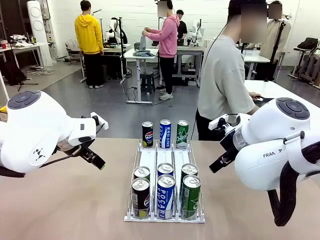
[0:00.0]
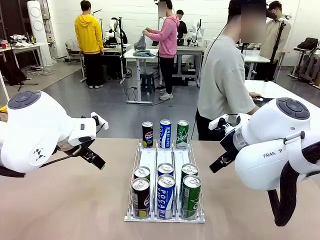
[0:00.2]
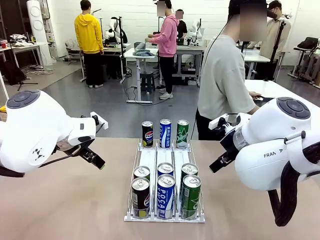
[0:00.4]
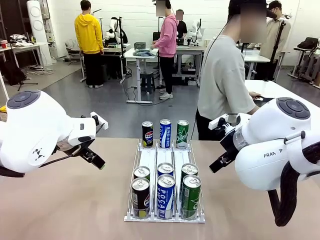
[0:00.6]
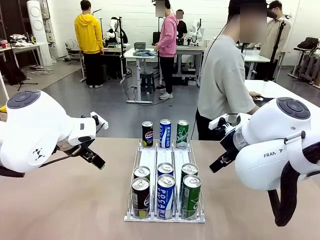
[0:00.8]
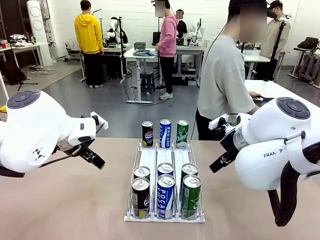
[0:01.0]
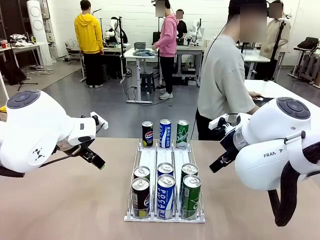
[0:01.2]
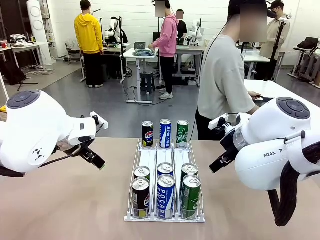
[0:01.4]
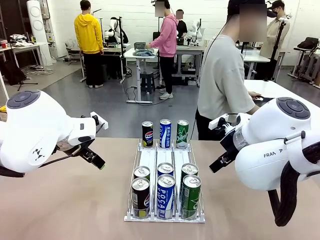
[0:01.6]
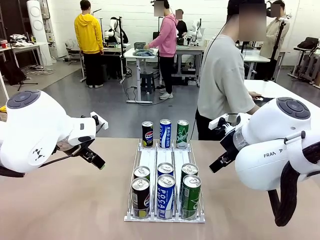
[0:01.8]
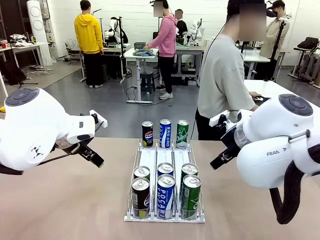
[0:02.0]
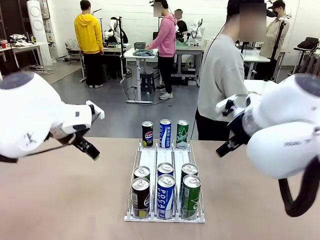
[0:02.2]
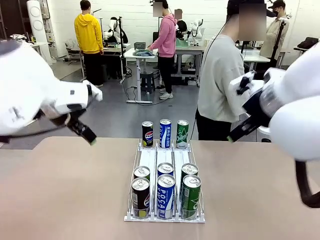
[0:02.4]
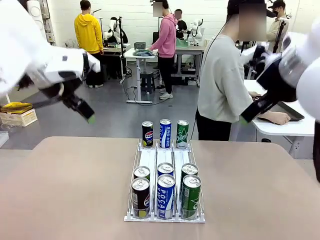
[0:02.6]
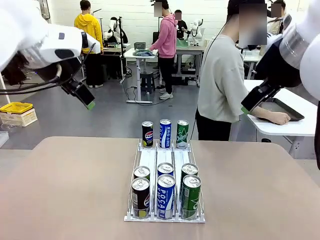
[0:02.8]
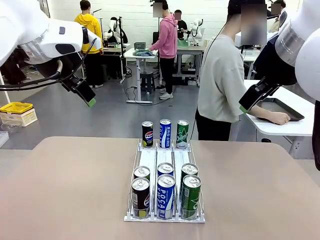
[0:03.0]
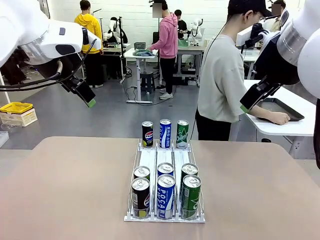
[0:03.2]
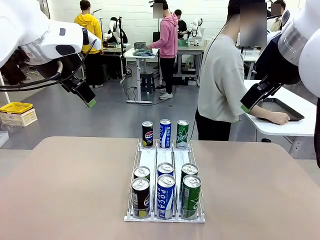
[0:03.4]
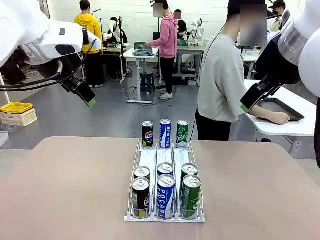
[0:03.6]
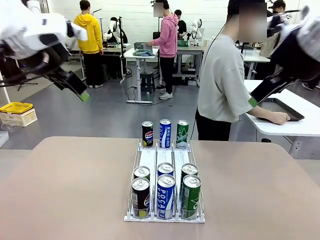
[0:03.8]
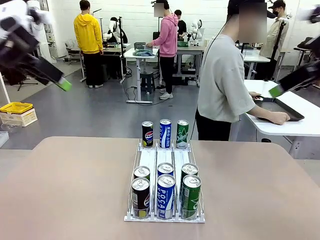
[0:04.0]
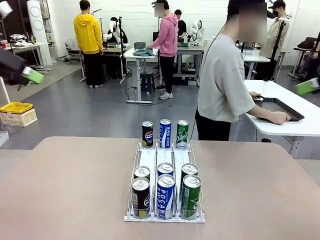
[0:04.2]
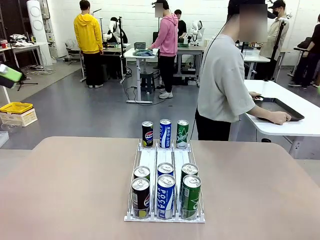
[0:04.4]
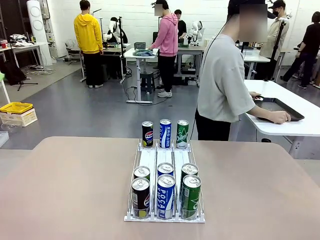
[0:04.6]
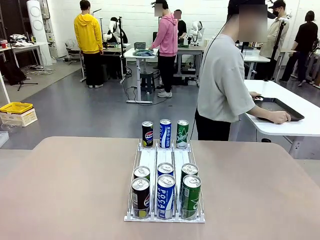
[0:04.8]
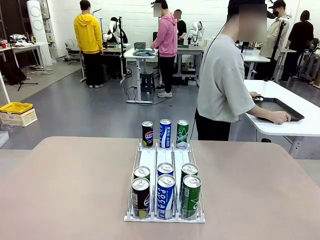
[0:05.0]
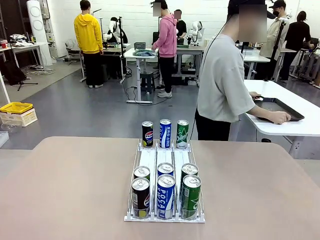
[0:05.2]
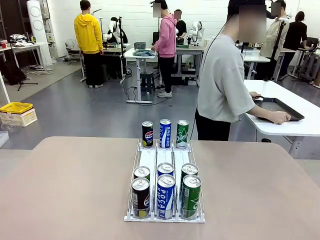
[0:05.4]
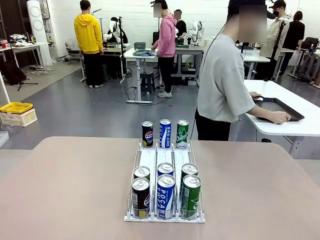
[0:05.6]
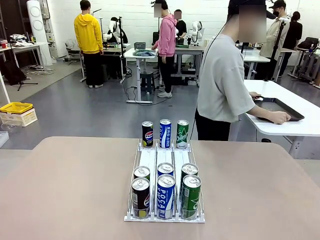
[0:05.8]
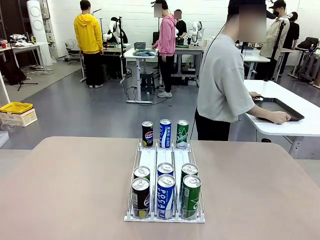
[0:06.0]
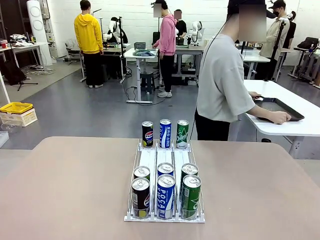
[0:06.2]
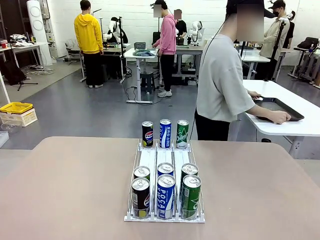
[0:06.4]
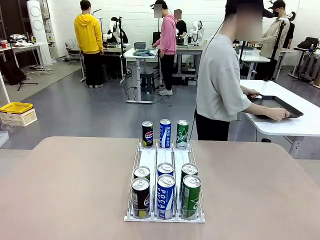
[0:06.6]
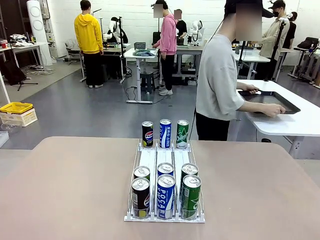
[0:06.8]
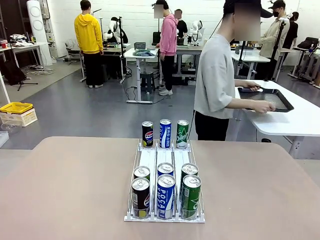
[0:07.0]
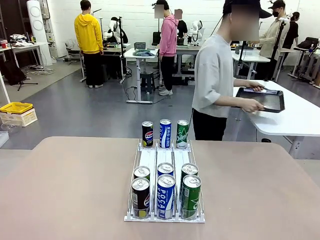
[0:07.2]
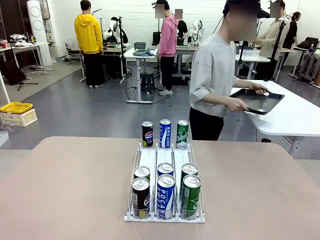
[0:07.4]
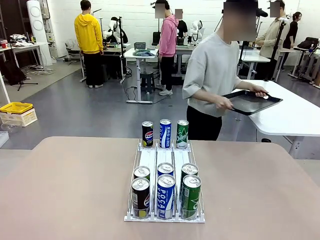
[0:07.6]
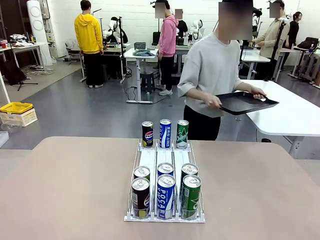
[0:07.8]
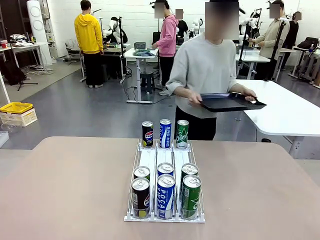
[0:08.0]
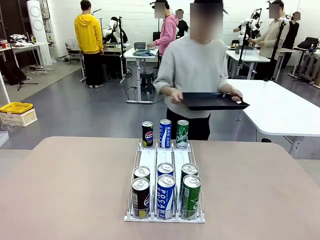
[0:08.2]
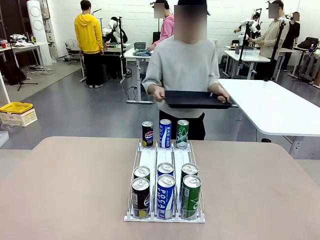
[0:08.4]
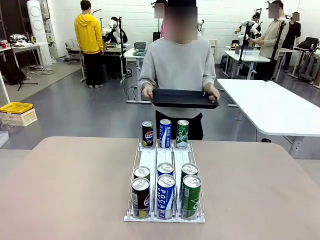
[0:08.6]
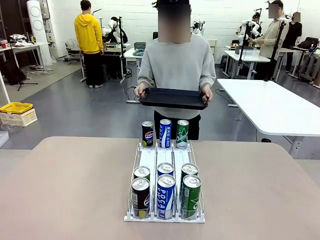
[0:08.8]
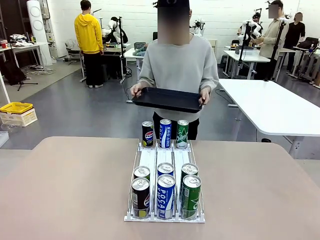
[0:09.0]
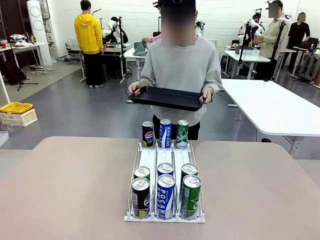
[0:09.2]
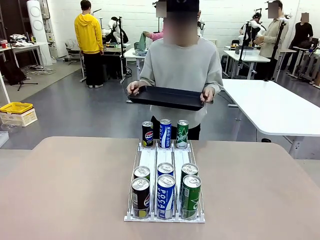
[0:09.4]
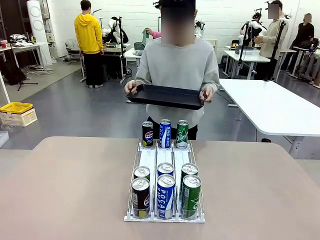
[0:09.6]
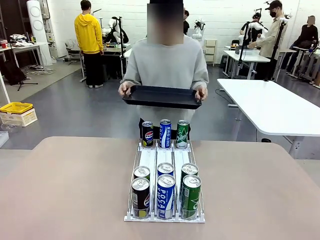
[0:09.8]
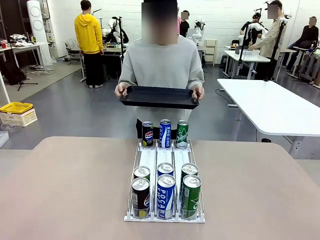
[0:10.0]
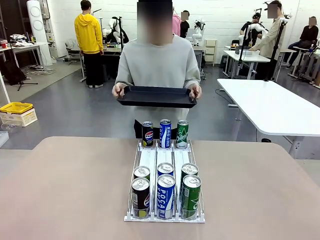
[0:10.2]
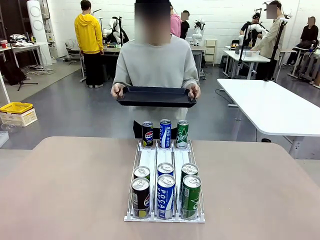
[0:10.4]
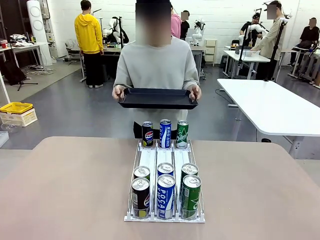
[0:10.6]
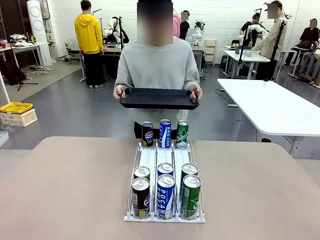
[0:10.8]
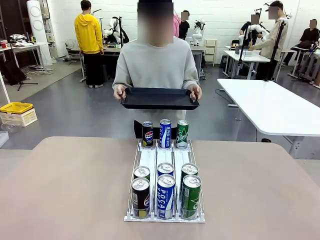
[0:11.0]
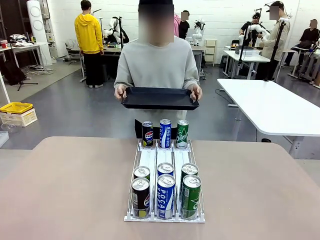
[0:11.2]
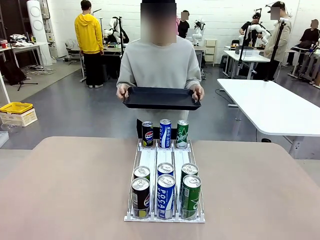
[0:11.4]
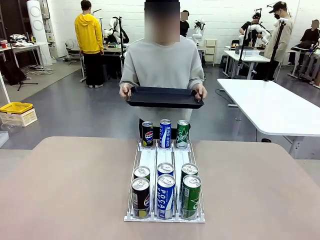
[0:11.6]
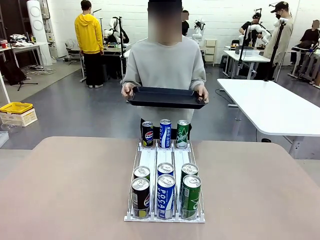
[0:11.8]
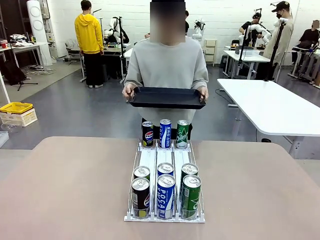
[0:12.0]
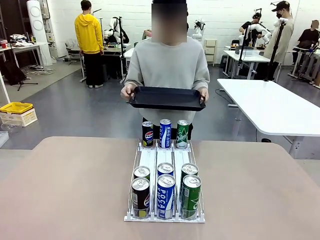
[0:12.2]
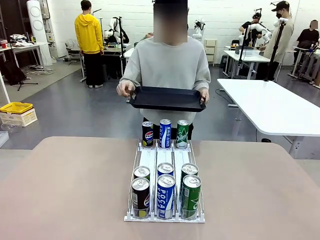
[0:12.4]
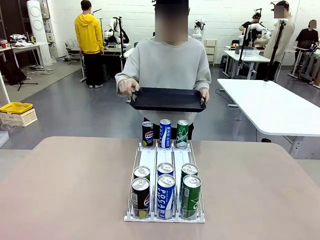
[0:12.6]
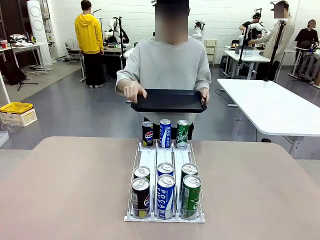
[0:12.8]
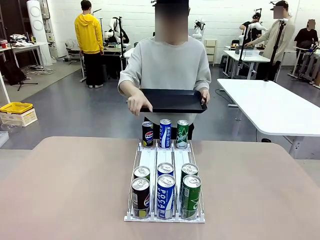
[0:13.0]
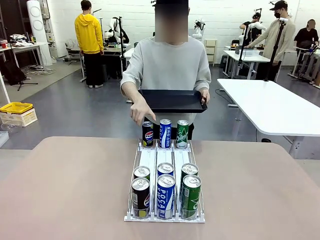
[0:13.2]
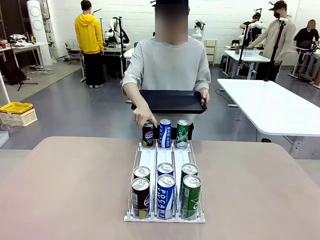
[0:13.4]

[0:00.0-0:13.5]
Task: Retrieve and hand over the desired beverage to the person.
Robot: Pick up a can of the same type that the person held from the Automatic Can Dispenser.
Person: Hold the tray and position yourself in front of the robot table.

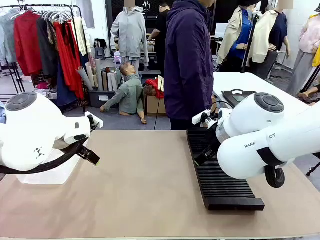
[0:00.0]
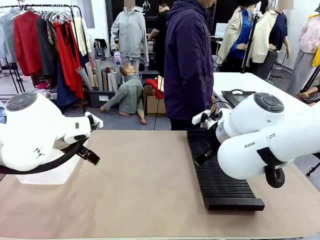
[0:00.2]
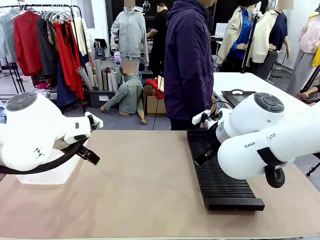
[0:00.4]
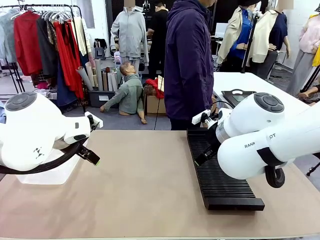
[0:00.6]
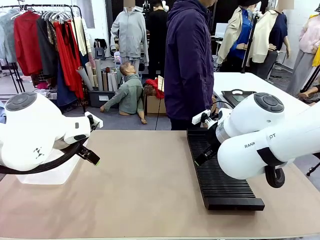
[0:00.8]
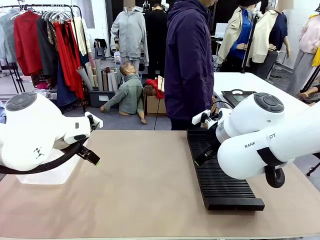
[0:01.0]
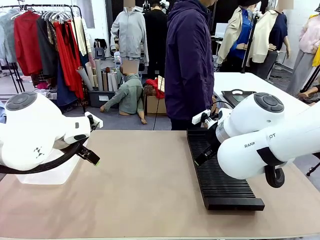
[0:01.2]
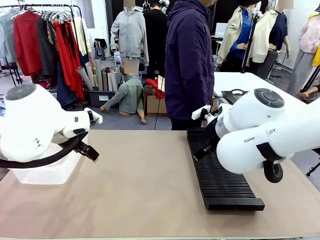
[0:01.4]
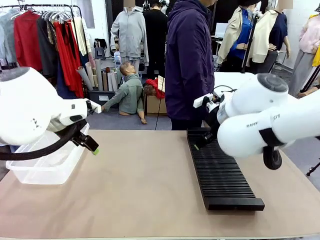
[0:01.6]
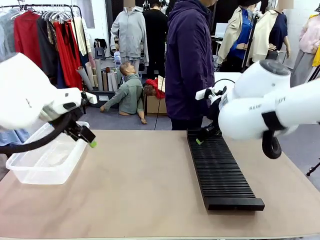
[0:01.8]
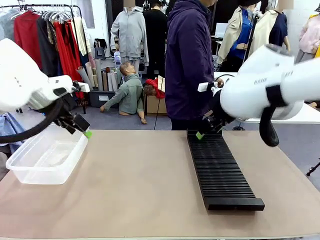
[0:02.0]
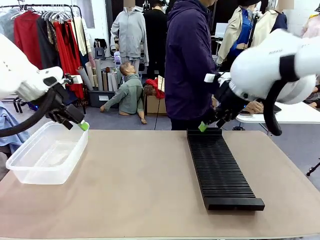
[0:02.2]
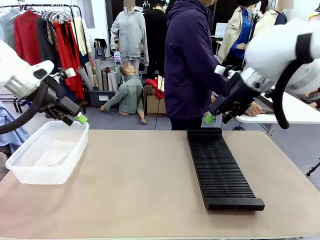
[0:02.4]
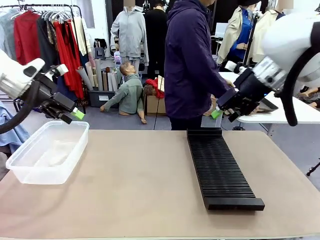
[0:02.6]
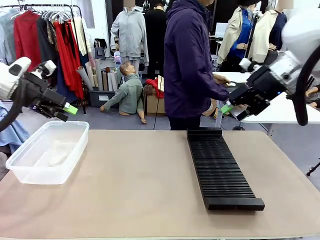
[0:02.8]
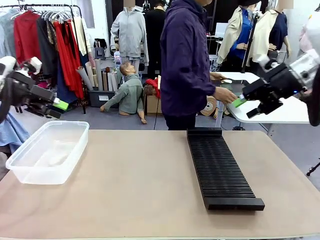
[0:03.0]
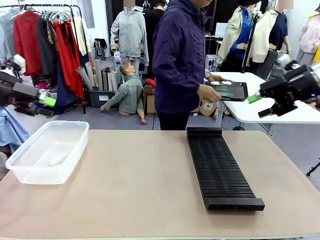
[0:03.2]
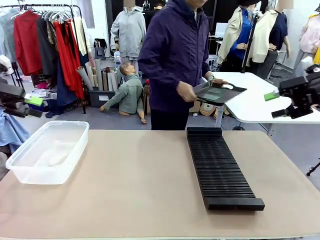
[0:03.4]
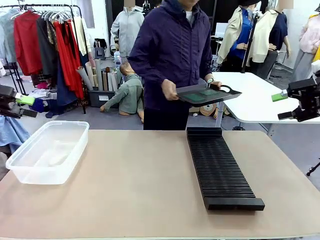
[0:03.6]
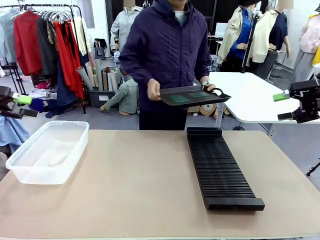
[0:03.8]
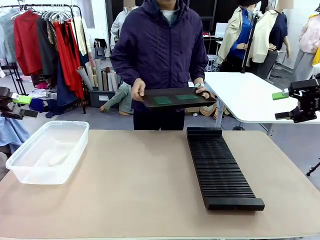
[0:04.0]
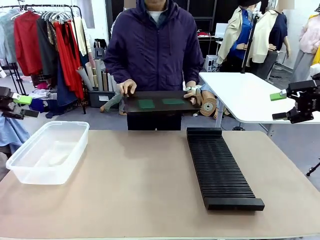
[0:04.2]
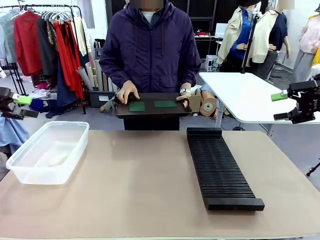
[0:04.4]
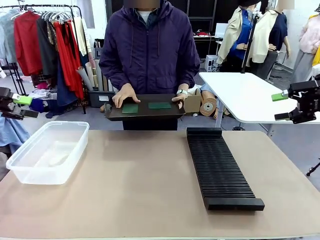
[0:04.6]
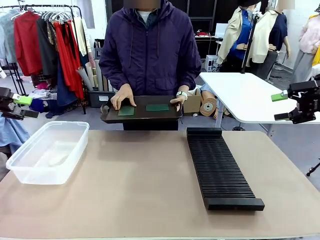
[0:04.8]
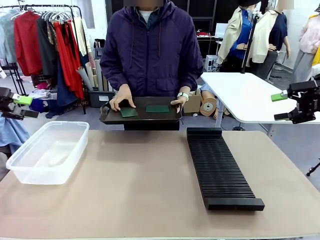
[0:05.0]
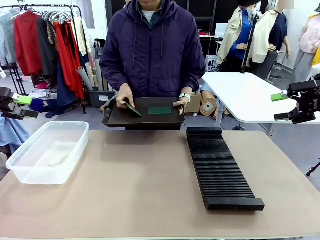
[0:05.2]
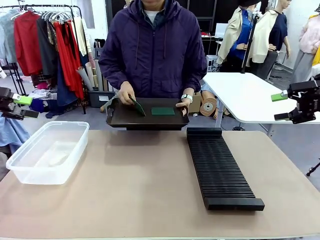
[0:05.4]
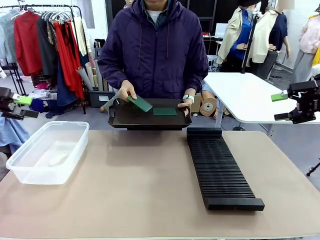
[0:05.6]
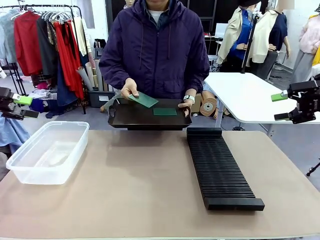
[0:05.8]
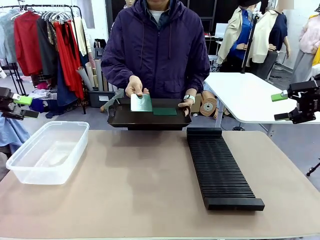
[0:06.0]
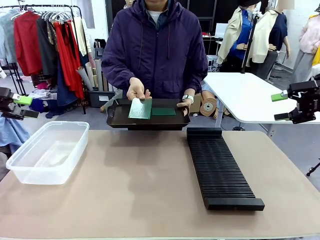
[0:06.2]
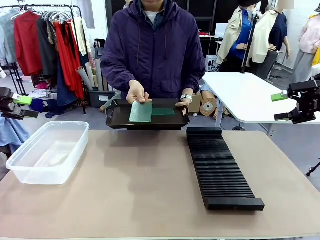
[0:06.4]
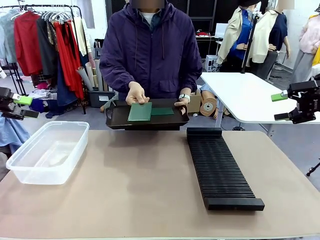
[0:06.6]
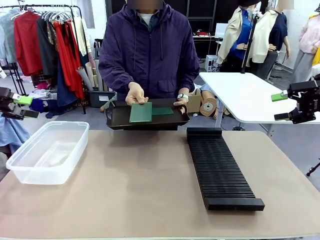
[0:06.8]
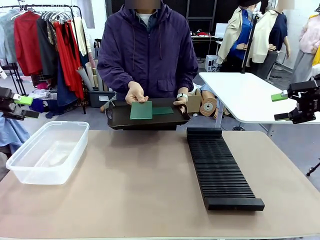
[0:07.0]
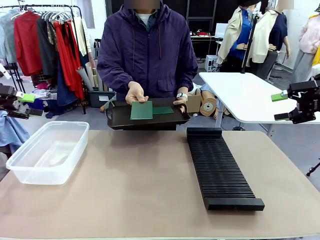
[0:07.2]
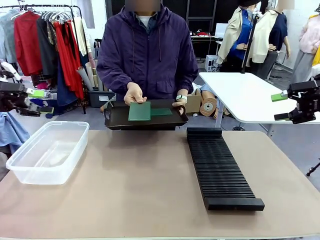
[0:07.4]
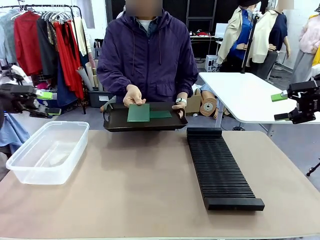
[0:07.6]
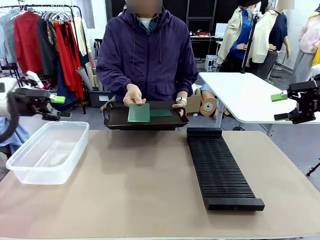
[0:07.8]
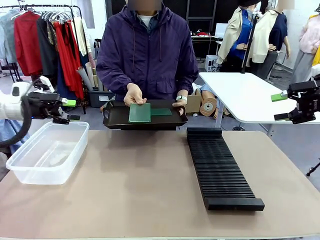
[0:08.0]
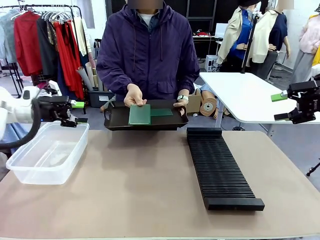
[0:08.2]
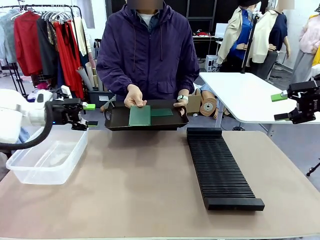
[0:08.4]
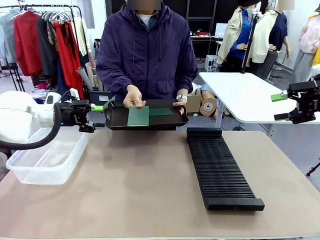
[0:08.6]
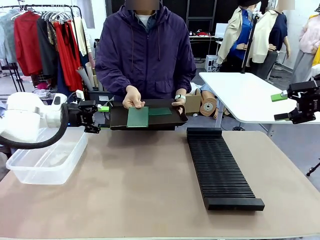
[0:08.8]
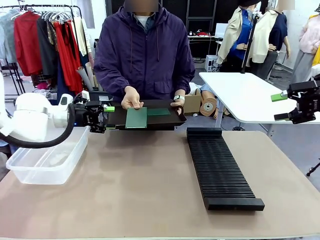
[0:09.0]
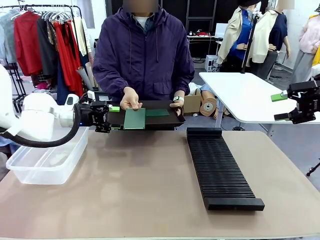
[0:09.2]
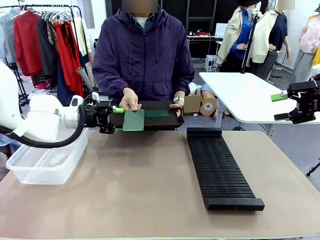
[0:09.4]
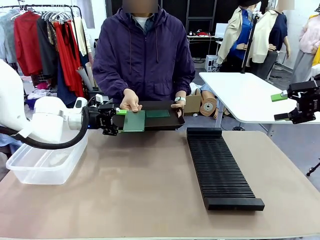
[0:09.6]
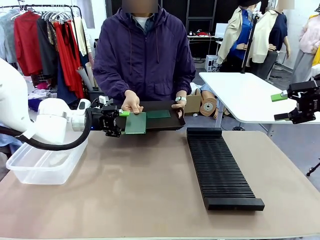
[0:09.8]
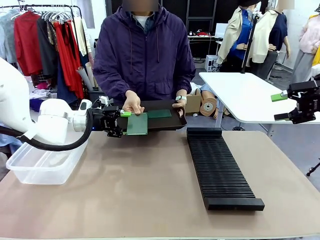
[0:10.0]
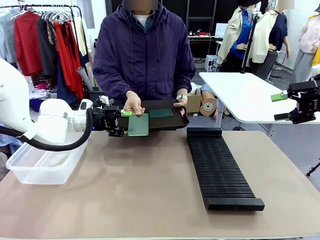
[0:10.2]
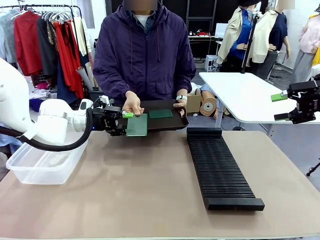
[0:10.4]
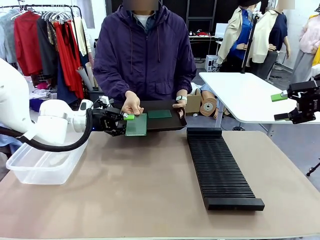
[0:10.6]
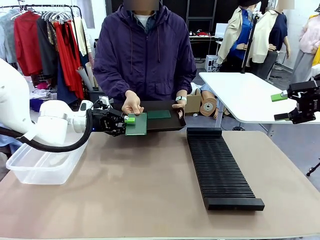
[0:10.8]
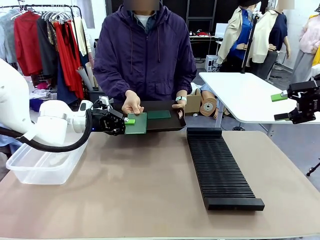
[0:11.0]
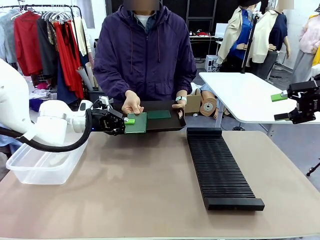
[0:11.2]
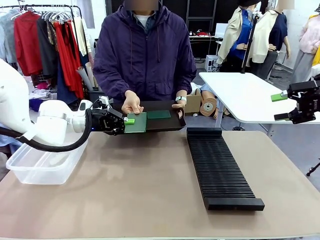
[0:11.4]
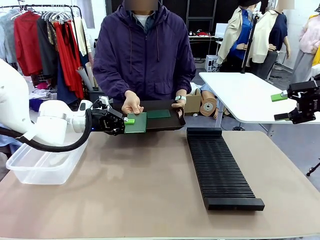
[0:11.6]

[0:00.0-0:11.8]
Task: Sort PCBs into racks and boxes based on the side picked up.
Robot: Pick up the Blank PCB handed by the Human.
Person: Pick one PCB from the tray and present it to the robot. Release the PCB being held.
